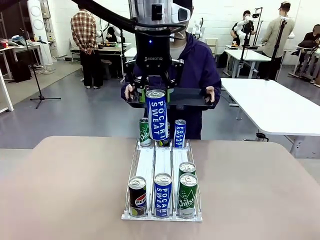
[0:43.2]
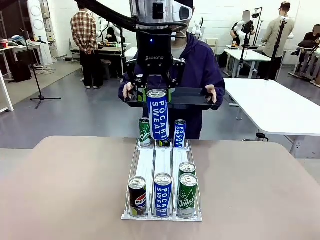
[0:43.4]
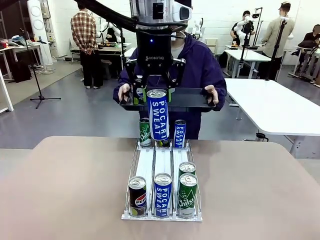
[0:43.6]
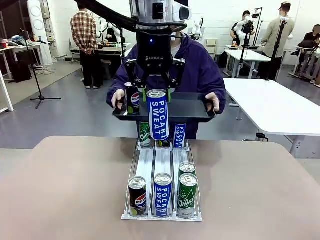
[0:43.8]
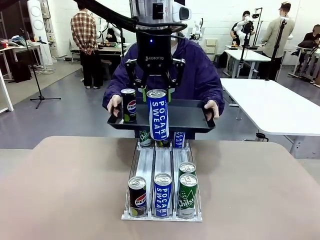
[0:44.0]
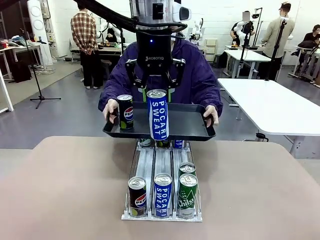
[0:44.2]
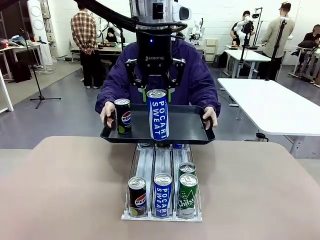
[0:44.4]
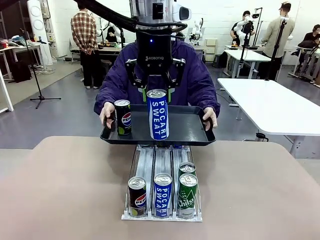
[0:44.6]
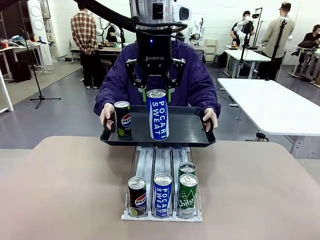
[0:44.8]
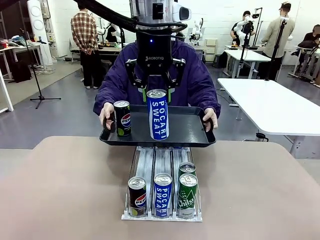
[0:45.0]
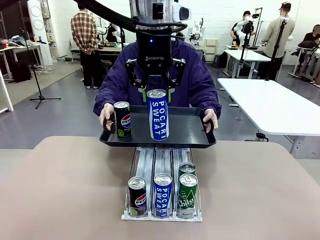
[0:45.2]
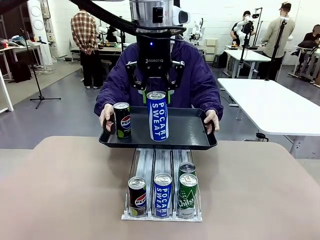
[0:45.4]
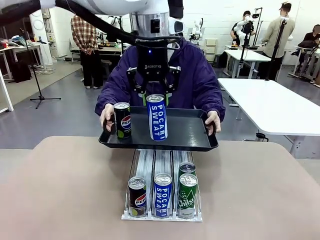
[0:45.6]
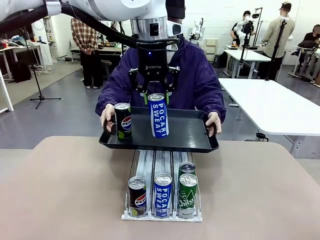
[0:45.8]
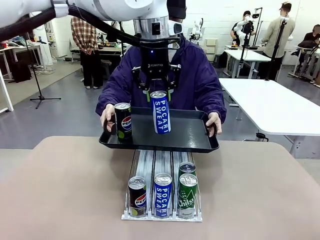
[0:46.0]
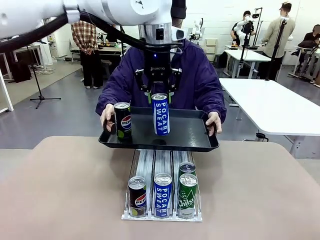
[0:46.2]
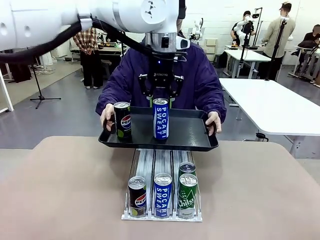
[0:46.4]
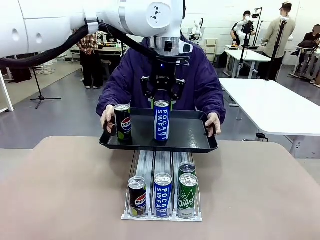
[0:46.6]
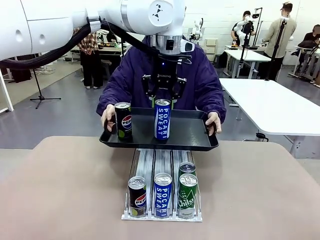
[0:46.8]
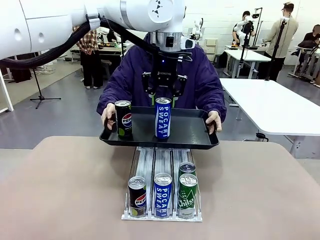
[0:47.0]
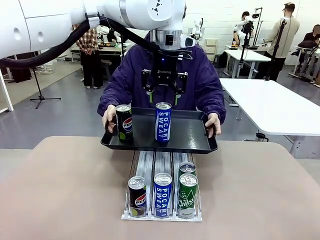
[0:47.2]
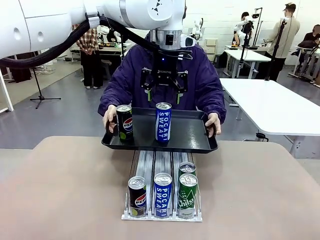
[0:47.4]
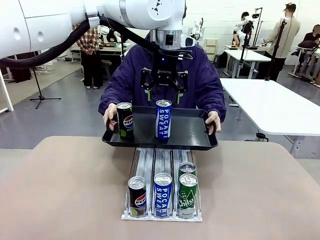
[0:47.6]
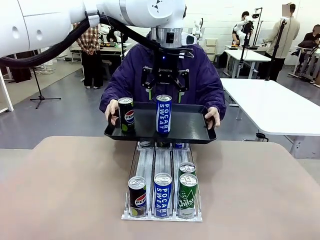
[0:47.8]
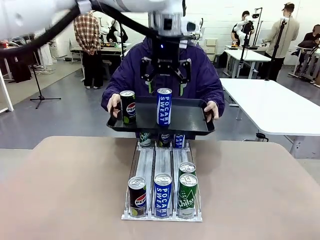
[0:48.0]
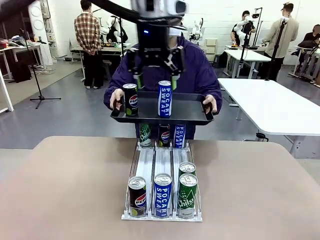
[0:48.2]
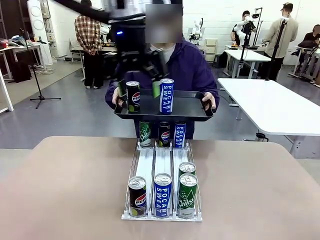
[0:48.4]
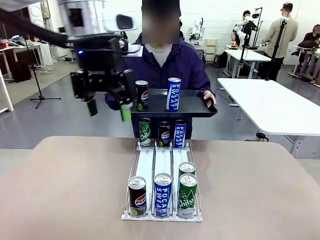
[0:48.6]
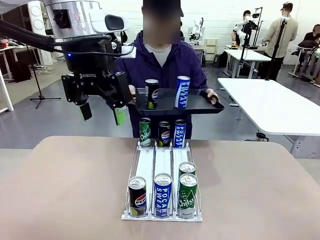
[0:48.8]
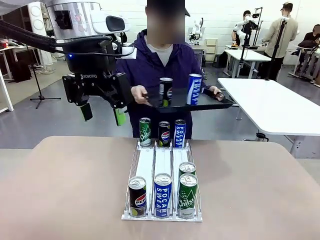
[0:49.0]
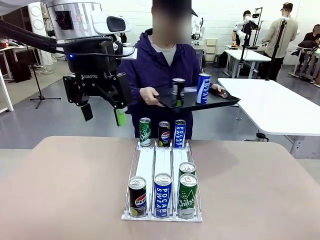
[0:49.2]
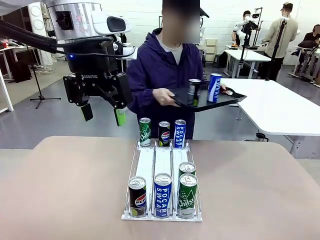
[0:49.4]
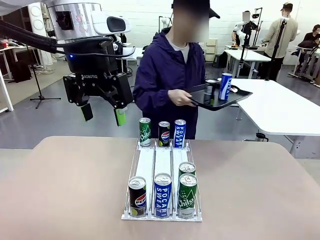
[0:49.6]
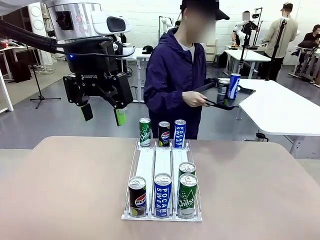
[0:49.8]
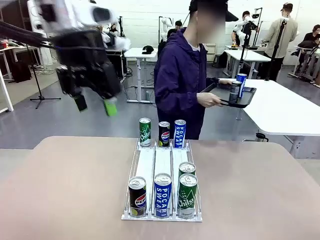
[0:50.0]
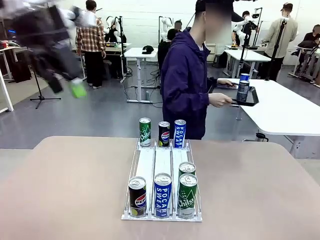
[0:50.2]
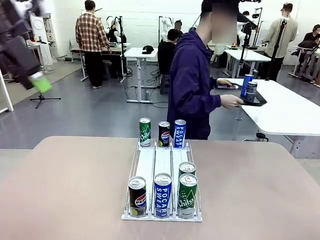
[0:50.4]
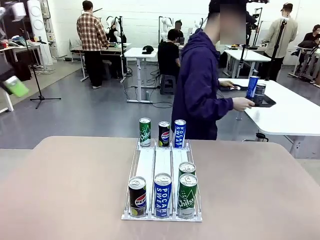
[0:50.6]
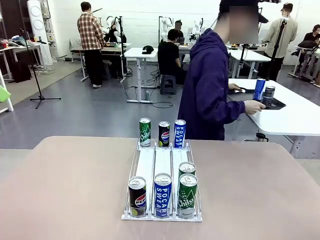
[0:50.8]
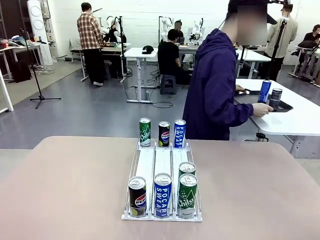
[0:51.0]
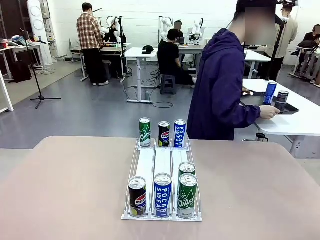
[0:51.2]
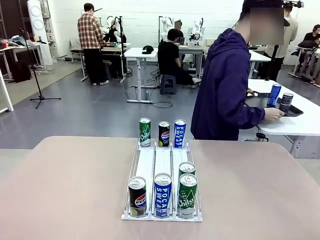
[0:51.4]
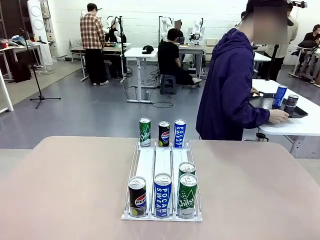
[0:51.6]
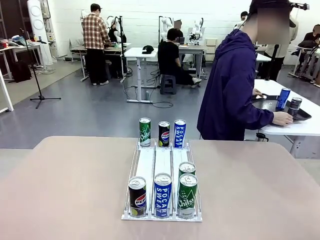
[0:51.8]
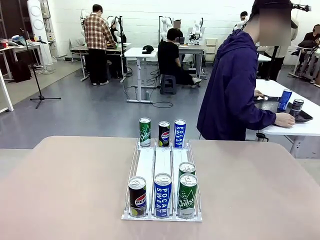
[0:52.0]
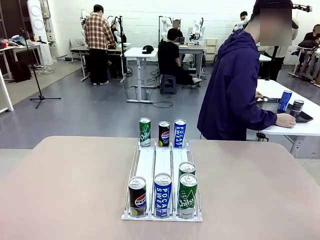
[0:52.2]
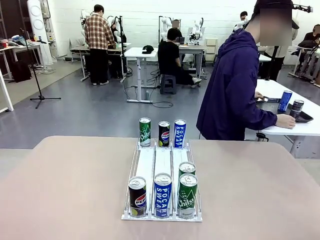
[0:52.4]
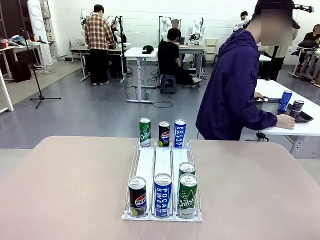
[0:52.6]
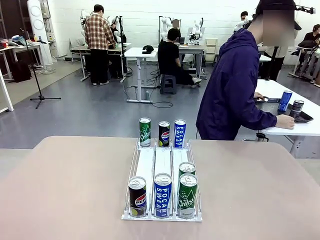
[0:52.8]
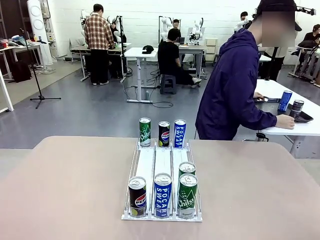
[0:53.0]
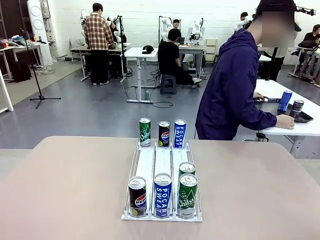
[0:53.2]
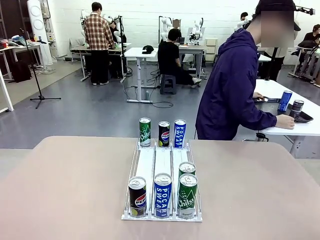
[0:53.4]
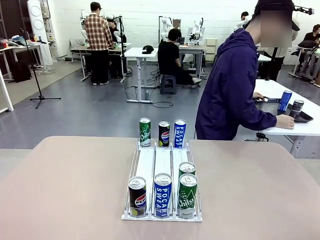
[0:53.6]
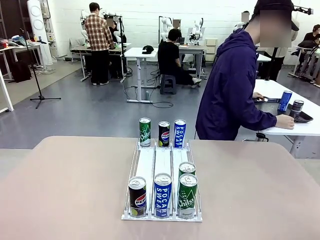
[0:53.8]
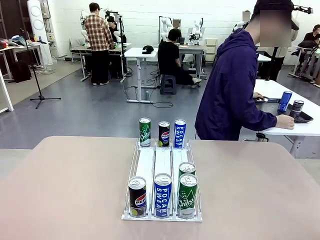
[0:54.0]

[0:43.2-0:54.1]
Task: Retrieve and hand over the desired beverage to the person.
Robot: Place the picked can on the Handle tray extended by the person.
Person: Pull the tray back and place it at the center of the human table.

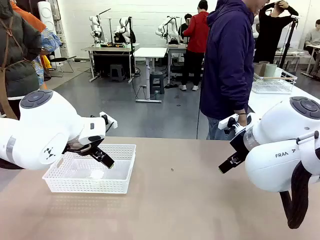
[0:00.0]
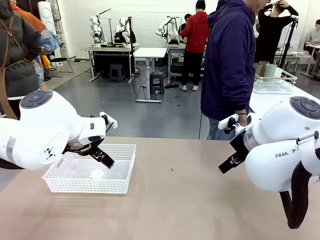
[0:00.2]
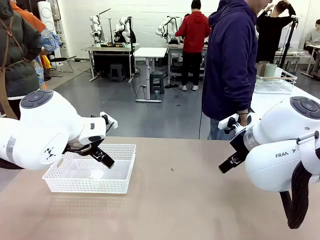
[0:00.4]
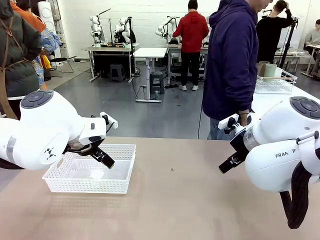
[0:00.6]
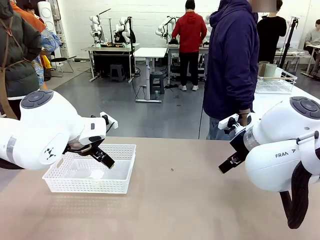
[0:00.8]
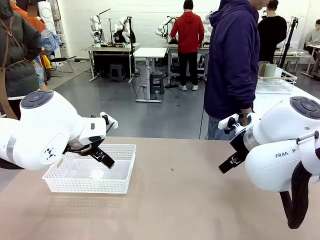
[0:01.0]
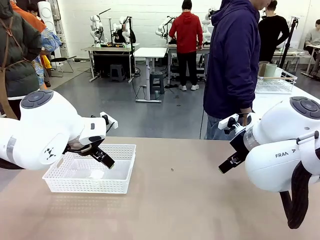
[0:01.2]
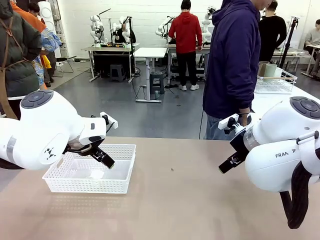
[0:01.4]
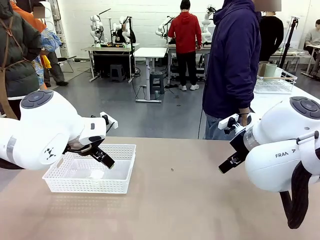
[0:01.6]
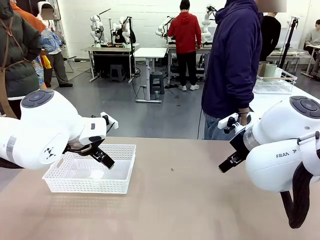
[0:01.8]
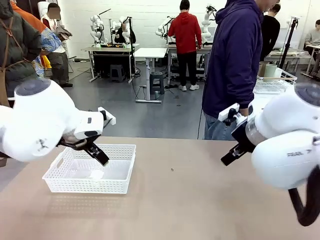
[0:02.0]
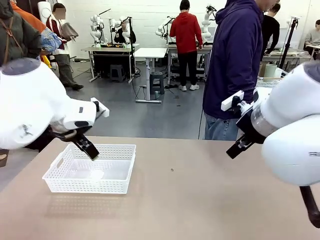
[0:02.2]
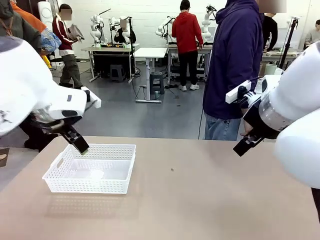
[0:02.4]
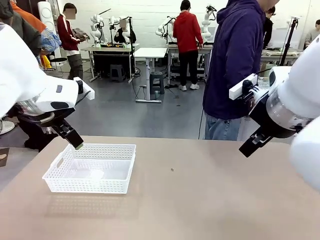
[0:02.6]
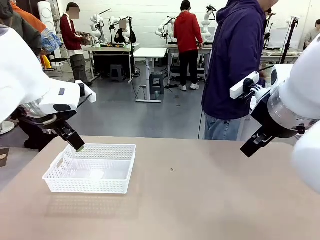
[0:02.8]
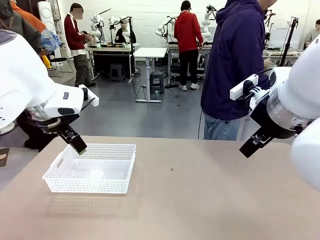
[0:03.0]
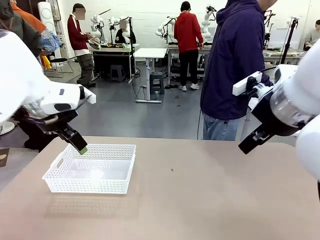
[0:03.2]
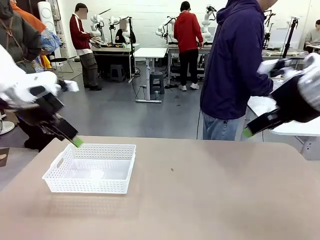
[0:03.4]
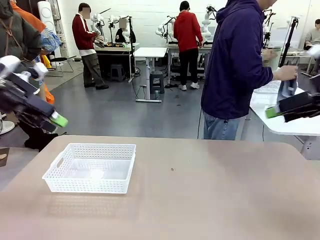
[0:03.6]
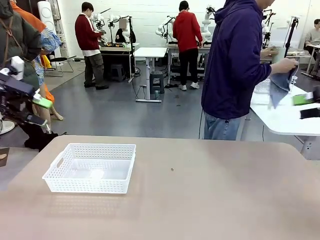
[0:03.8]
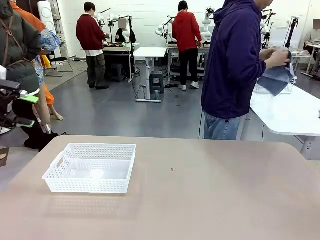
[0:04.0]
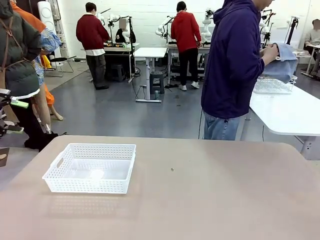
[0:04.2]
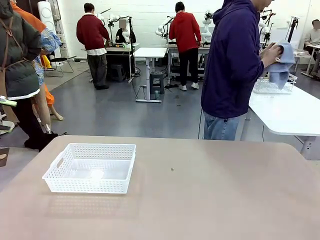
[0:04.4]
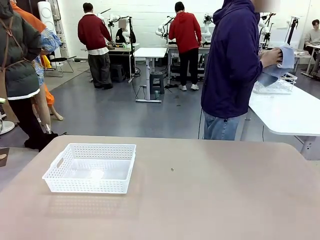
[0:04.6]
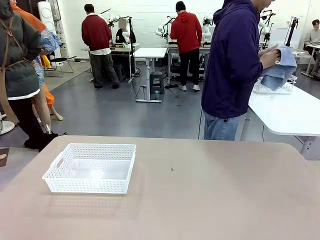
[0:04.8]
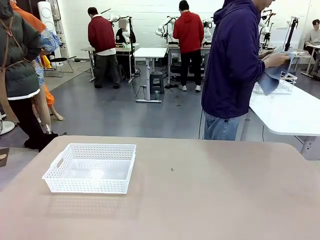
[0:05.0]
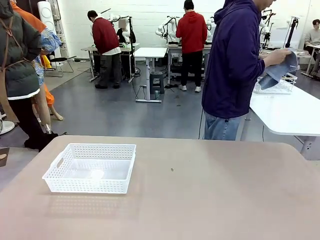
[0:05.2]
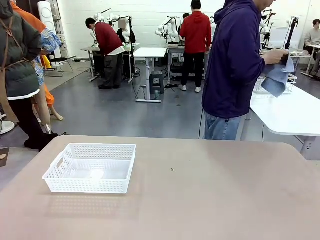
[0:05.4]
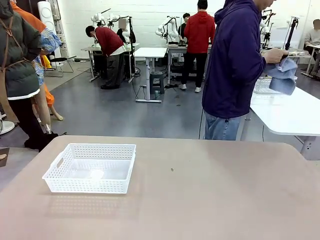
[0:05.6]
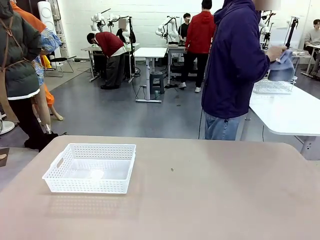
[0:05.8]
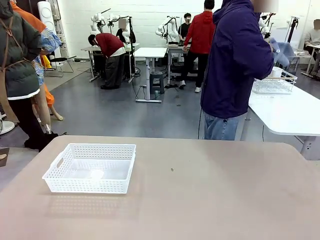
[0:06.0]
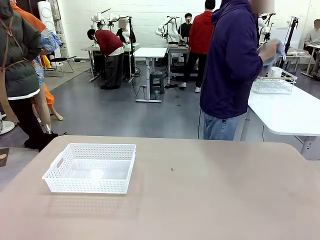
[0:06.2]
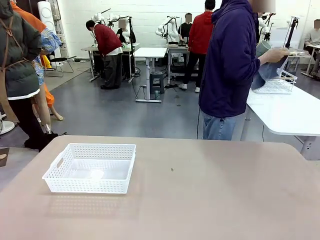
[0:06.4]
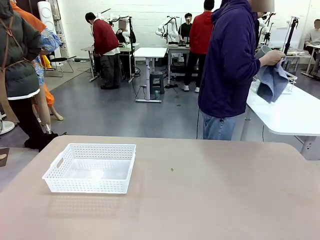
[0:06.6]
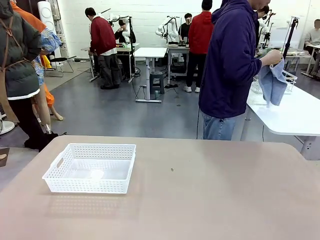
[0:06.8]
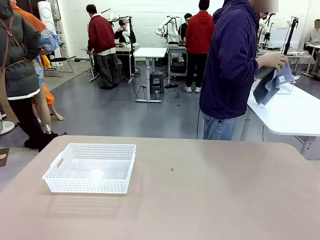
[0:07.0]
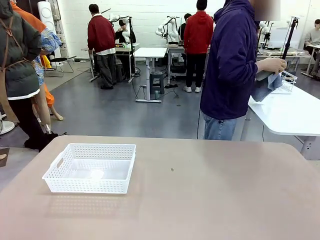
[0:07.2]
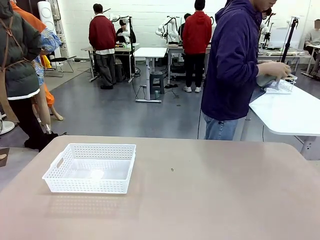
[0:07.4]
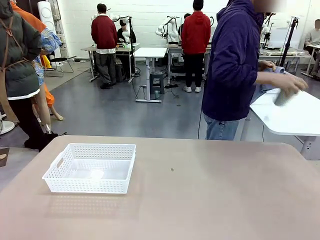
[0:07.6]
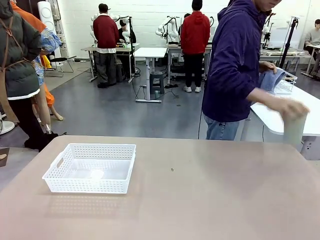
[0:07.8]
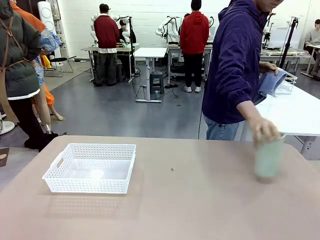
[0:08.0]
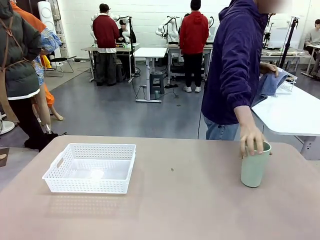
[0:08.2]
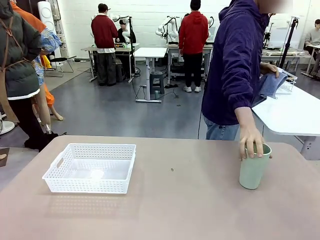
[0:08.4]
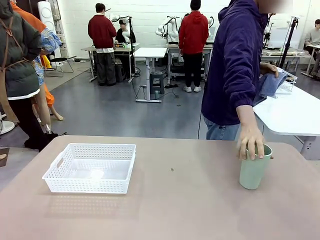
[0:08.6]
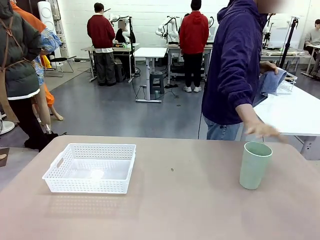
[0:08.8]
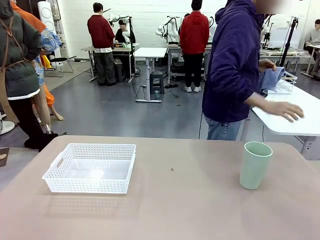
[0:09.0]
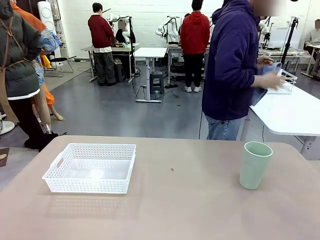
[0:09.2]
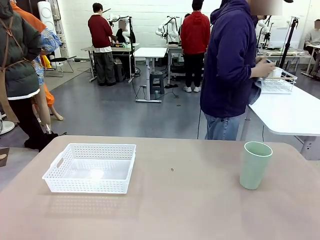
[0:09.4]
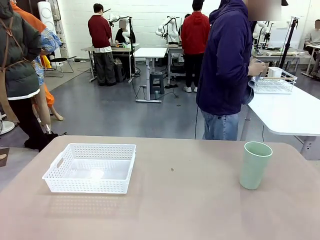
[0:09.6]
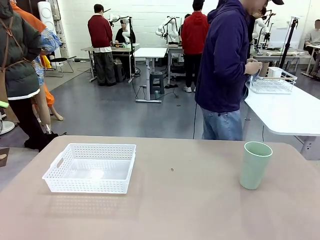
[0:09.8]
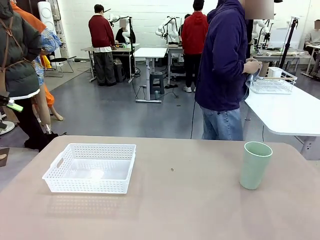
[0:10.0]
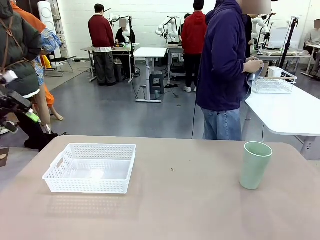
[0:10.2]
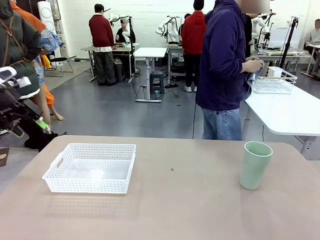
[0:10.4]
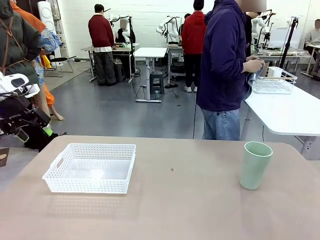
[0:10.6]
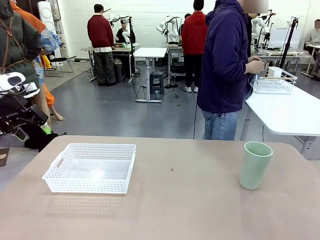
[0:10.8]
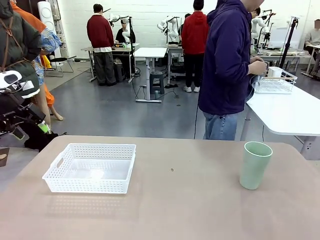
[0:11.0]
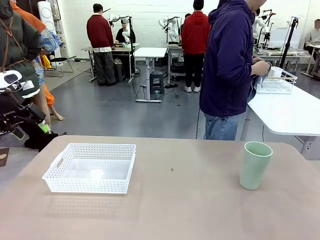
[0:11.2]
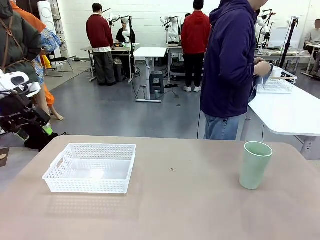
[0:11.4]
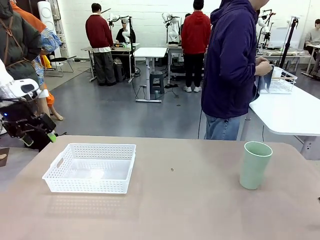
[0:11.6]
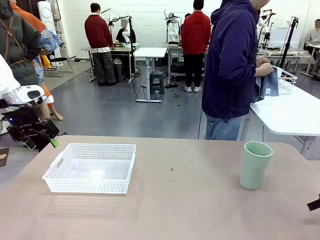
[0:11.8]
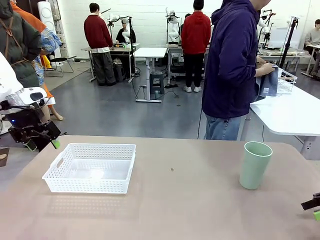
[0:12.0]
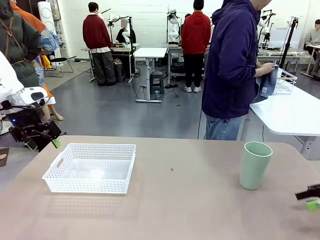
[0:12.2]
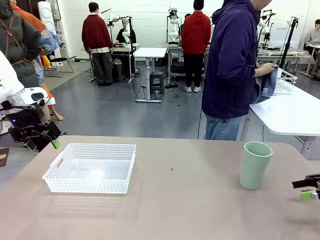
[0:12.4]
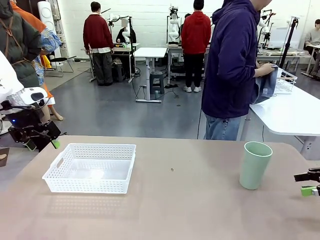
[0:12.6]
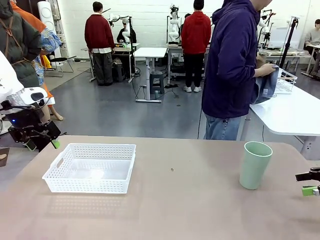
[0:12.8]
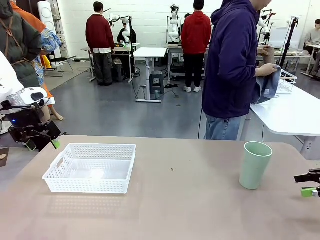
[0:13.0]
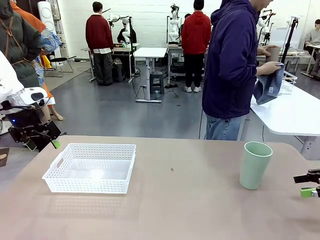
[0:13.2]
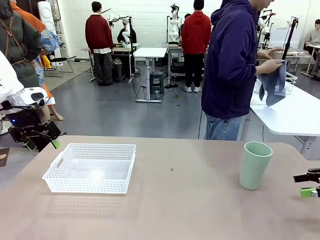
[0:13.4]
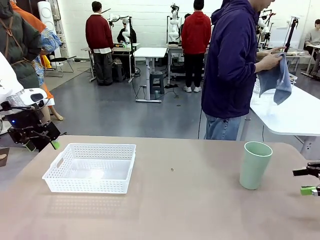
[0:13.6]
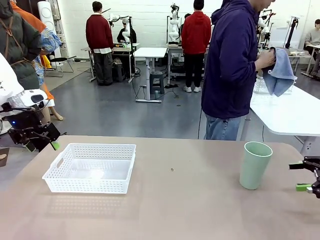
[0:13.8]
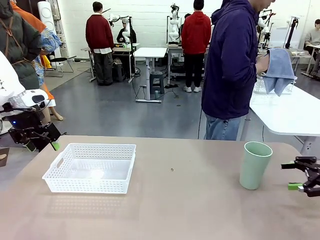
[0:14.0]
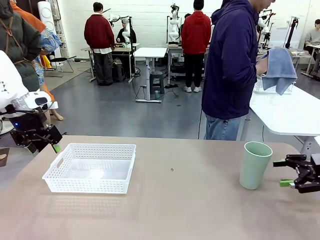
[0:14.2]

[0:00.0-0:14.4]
Task: Clean and organize the cups into the basket.
Robot: Pick up the Organizing basket and move it to the center of the table, then pick up the Reusable plastic cup from the right side of the table and place it inside the Organizing basket.
Person: Picks up a cup and a towel, cleans the cup with the towel, and places it on the left side of the robot table.
